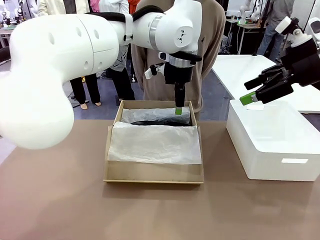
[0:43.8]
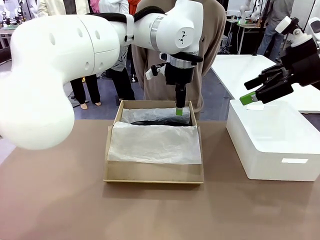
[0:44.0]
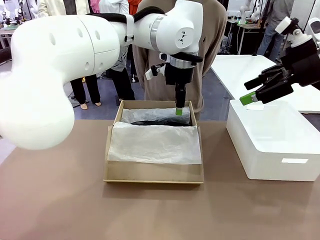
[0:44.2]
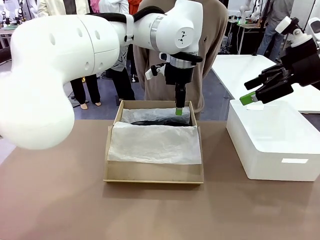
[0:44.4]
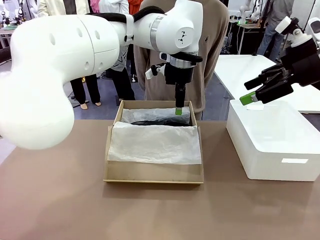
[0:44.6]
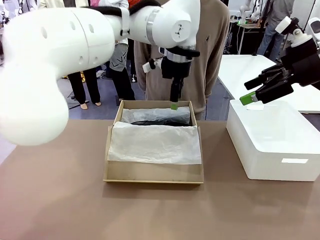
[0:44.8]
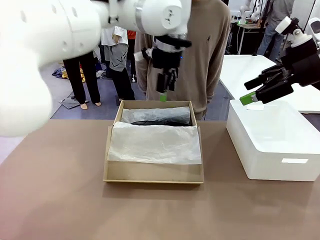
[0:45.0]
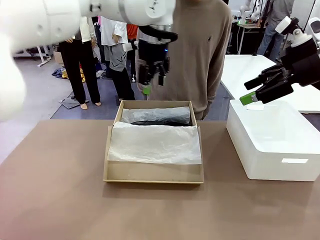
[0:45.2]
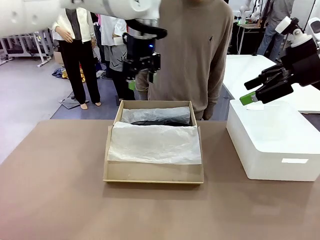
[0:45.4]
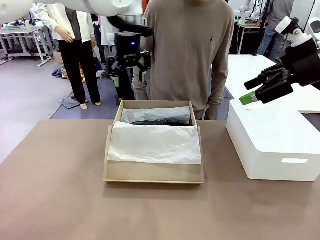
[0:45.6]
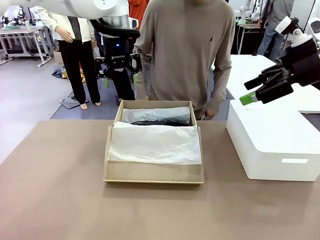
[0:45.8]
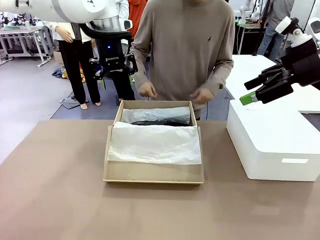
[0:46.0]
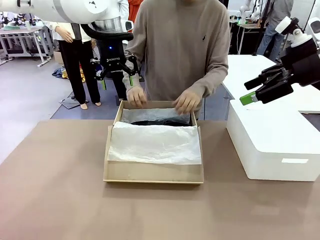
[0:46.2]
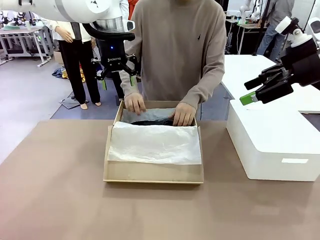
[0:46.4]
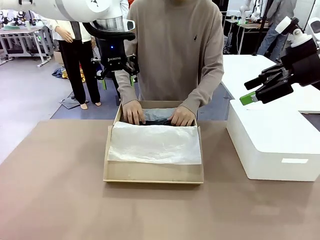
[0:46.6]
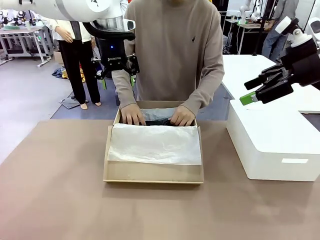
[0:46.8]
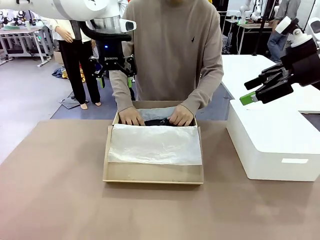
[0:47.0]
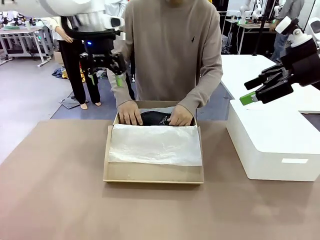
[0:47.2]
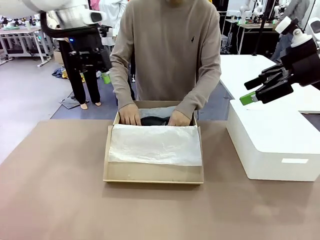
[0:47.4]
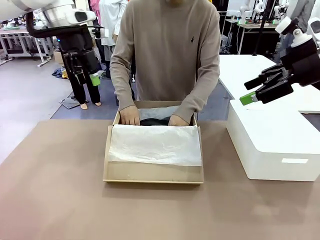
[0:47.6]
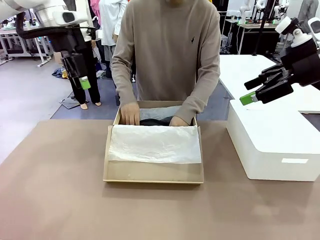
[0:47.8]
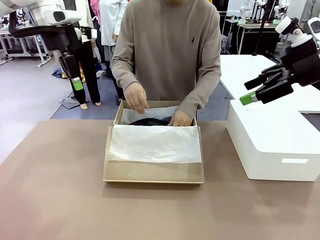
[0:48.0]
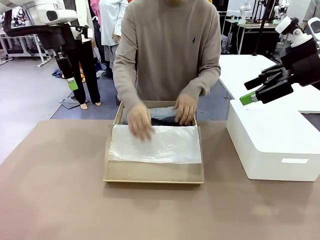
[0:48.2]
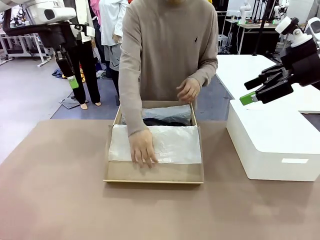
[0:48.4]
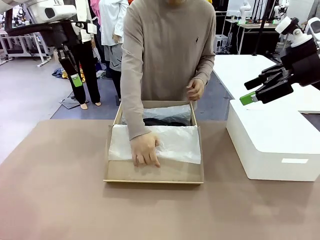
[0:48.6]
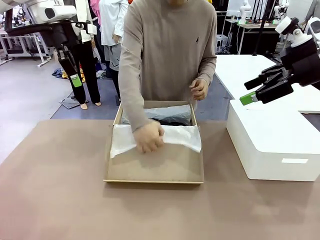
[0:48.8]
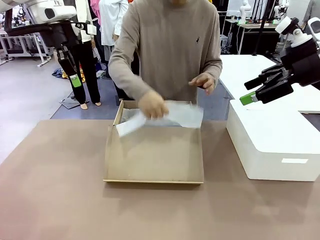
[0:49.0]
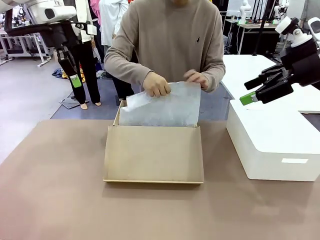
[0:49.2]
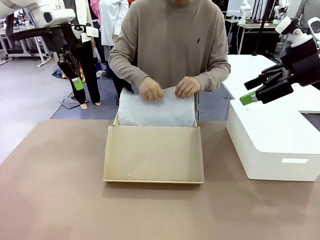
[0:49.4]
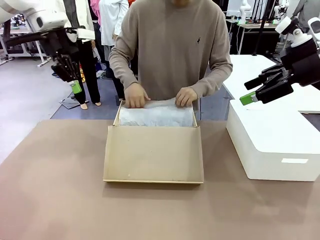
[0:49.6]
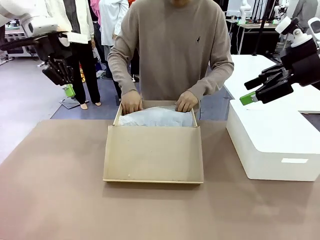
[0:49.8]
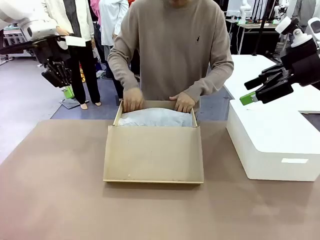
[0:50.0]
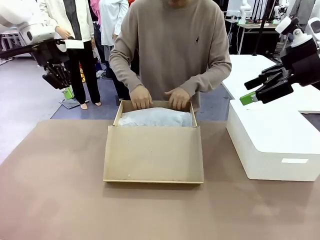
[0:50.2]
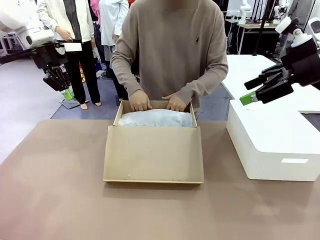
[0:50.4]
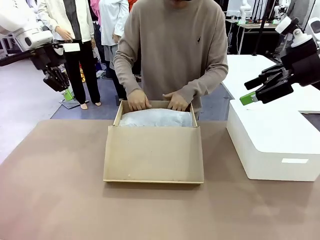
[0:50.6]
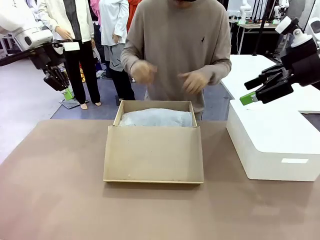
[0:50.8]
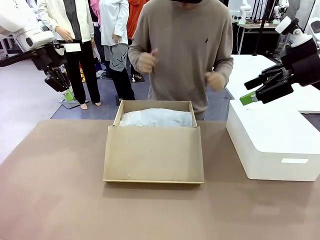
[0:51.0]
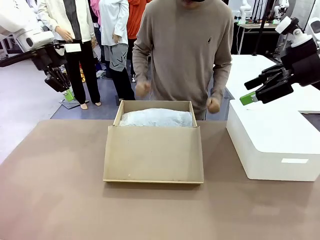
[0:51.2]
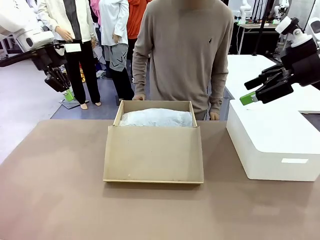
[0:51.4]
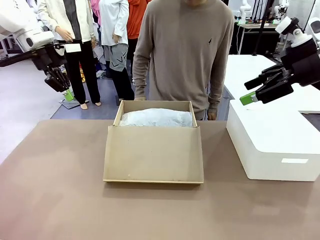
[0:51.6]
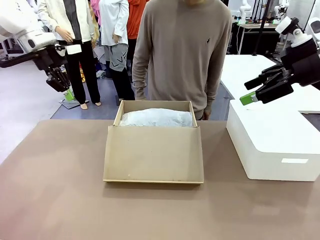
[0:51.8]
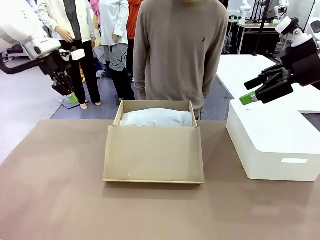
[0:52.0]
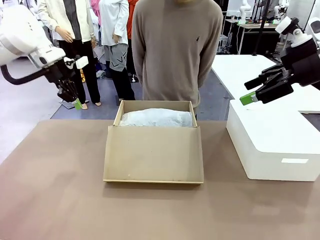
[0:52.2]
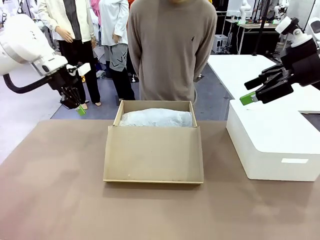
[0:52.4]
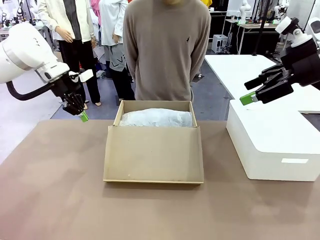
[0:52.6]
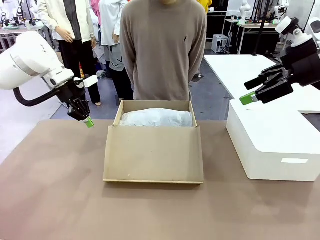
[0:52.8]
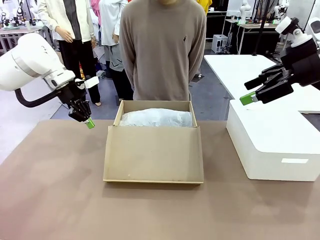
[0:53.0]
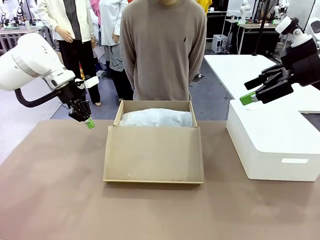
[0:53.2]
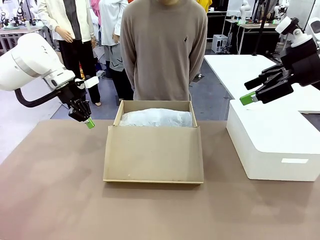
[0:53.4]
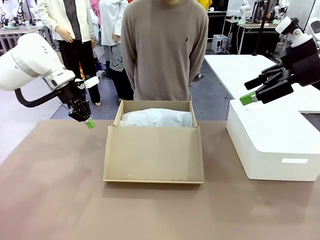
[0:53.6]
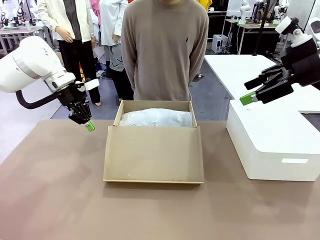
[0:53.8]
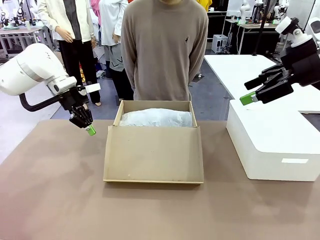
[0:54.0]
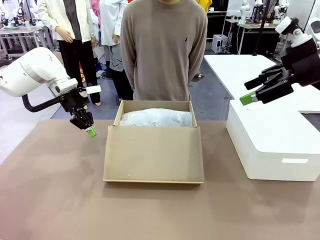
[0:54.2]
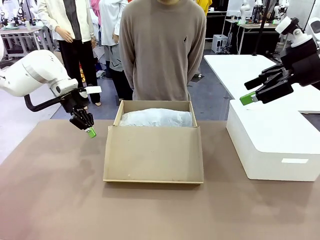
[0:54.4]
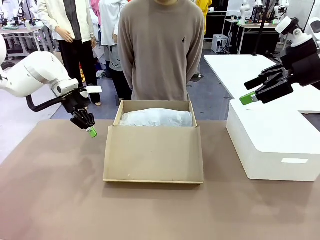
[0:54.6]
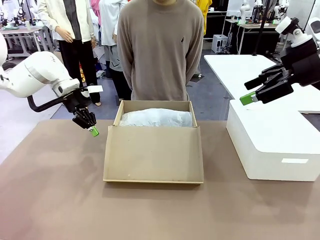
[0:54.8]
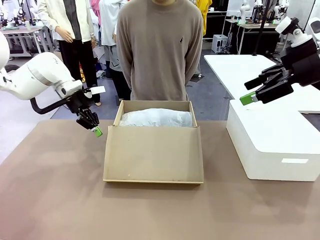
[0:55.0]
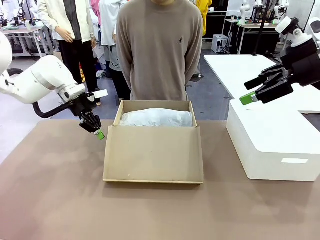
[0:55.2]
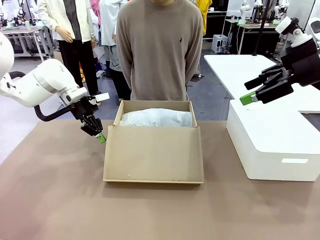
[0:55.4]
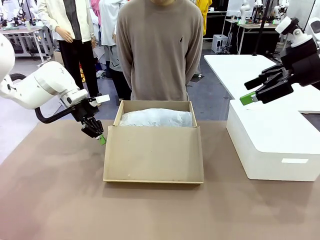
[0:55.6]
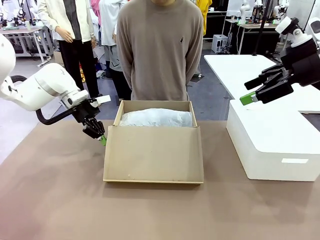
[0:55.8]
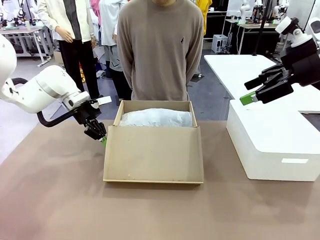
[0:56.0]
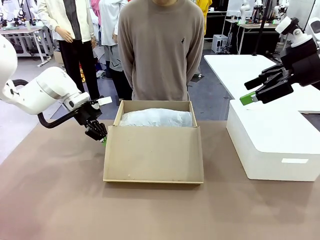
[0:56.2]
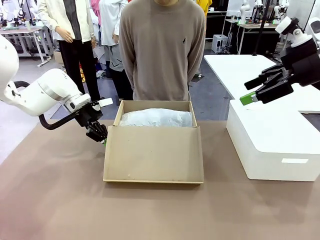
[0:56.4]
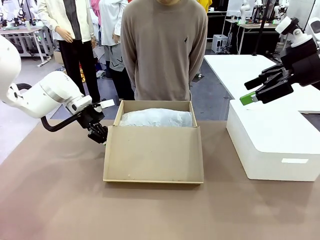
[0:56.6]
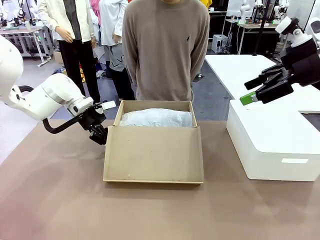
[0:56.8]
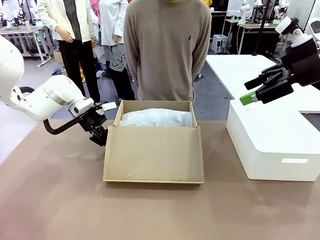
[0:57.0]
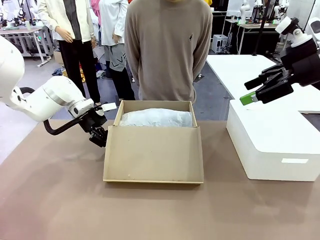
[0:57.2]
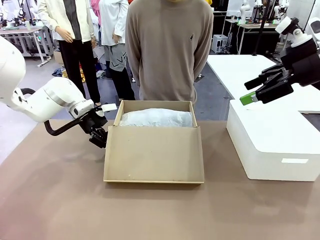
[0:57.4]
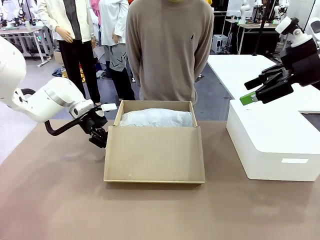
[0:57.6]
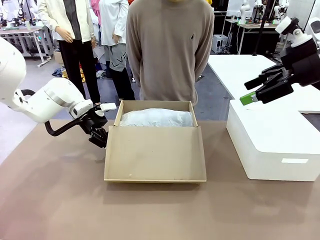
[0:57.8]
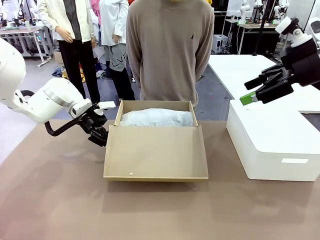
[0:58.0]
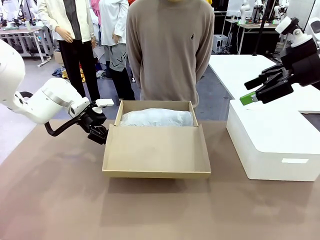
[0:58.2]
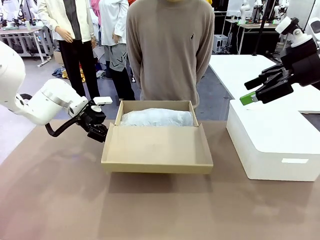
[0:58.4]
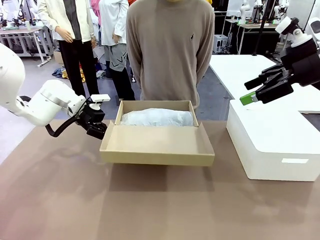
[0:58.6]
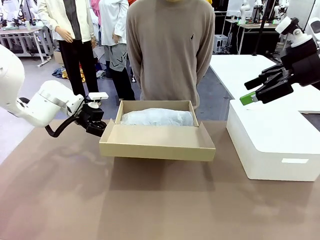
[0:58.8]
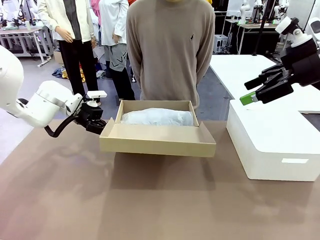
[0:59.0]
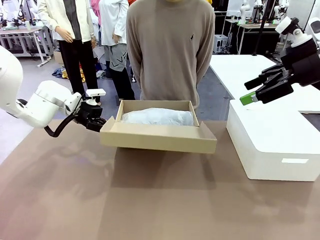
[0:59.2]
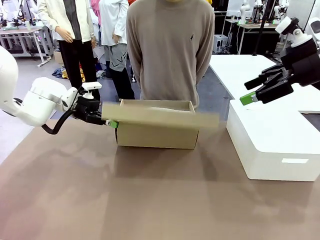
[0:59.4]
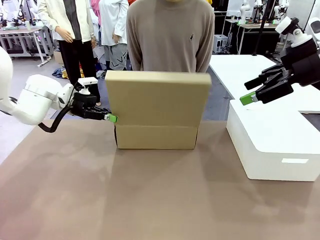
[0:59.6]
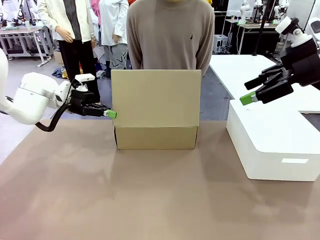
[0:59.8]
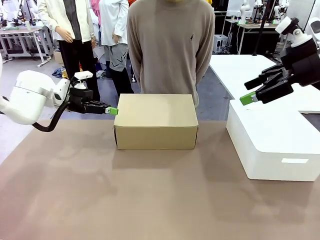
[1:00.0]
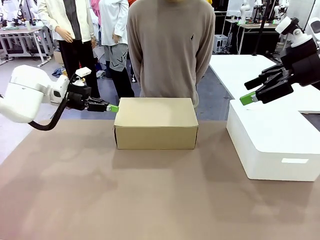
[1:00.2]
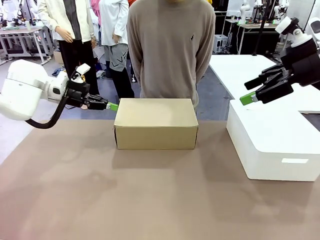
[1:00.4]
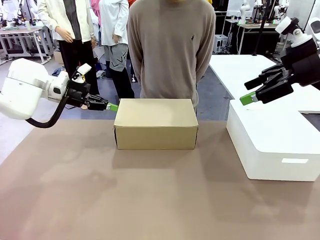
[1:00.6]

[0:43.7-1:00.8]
Task: Pack the shoes into the box.
Robot: Close the Shoes Box.

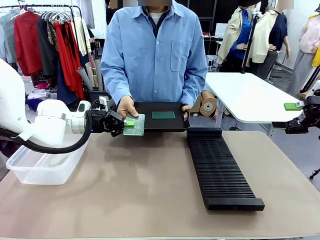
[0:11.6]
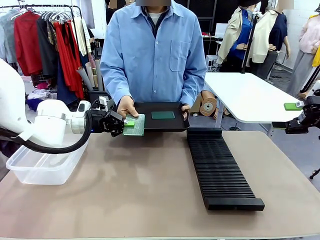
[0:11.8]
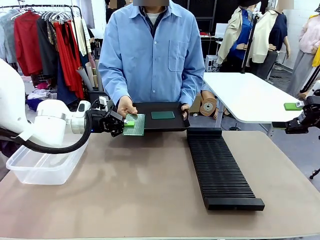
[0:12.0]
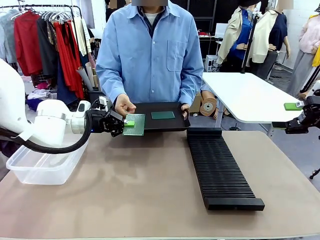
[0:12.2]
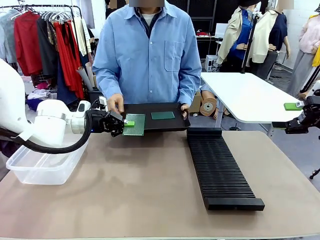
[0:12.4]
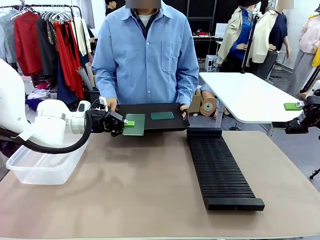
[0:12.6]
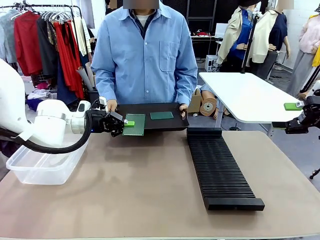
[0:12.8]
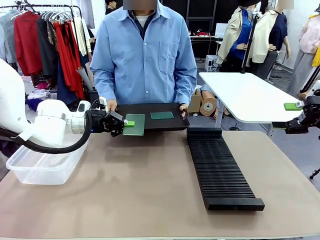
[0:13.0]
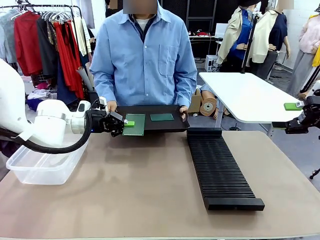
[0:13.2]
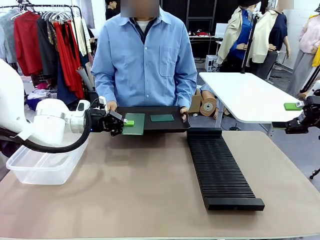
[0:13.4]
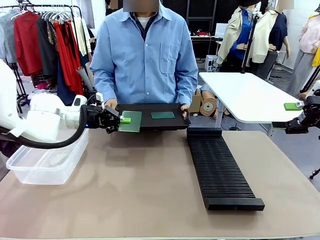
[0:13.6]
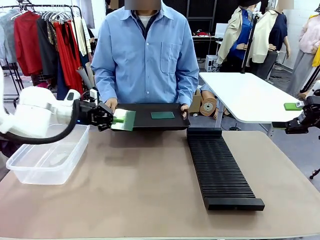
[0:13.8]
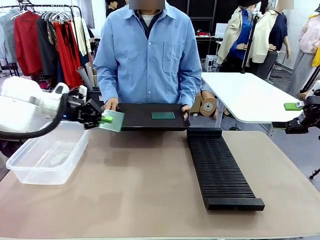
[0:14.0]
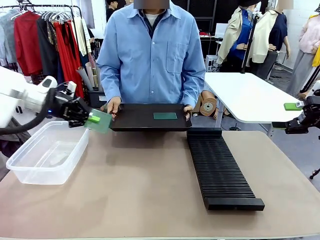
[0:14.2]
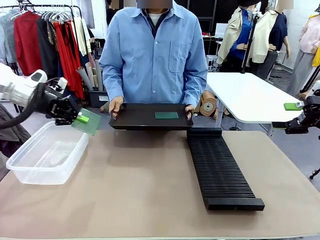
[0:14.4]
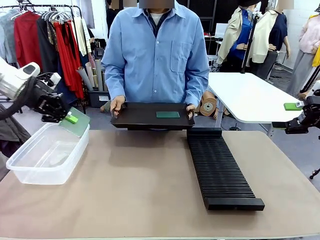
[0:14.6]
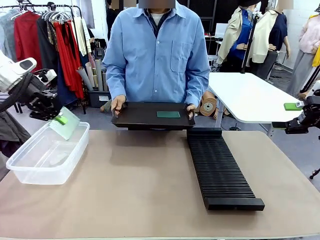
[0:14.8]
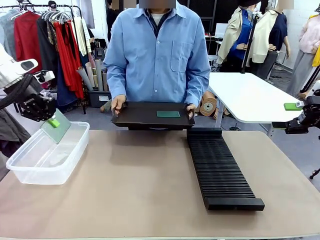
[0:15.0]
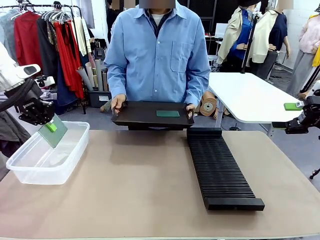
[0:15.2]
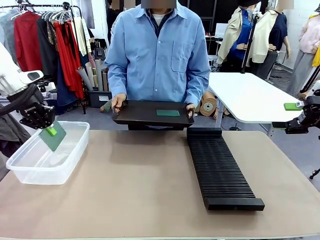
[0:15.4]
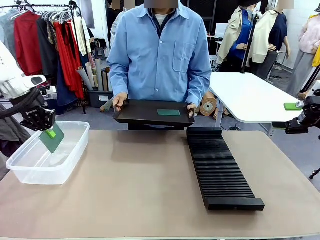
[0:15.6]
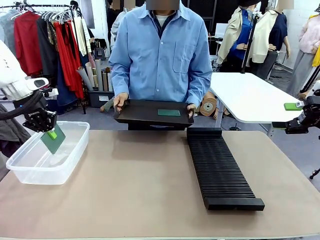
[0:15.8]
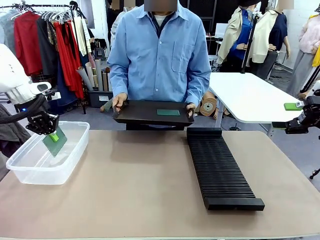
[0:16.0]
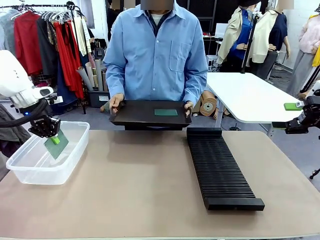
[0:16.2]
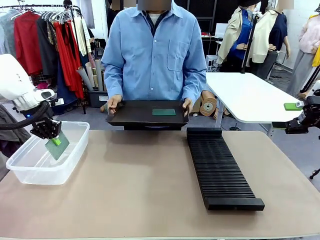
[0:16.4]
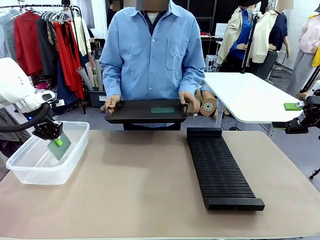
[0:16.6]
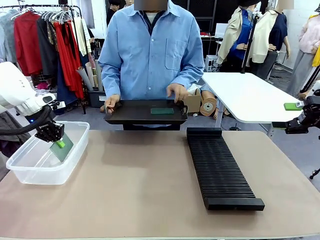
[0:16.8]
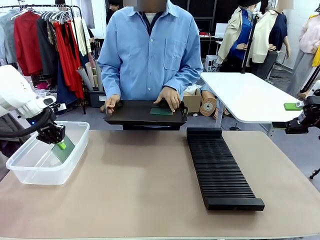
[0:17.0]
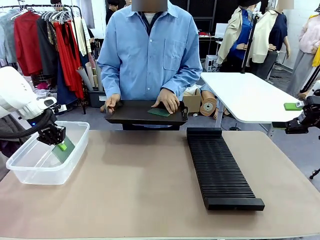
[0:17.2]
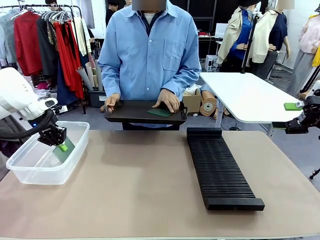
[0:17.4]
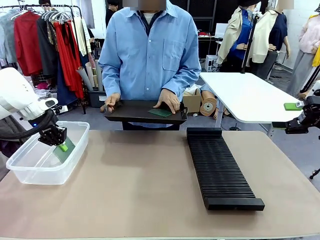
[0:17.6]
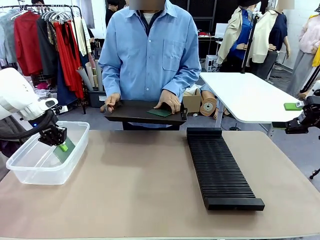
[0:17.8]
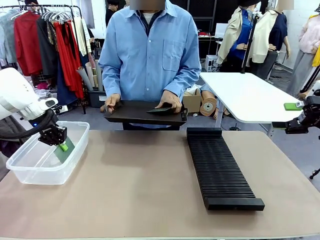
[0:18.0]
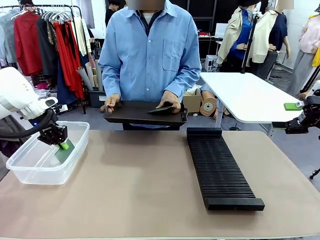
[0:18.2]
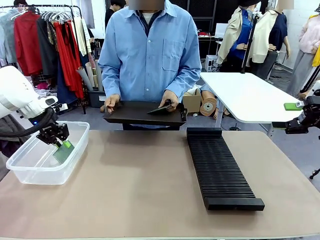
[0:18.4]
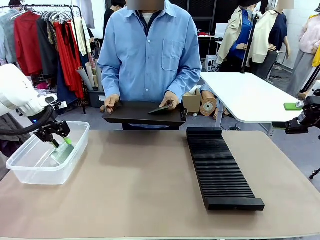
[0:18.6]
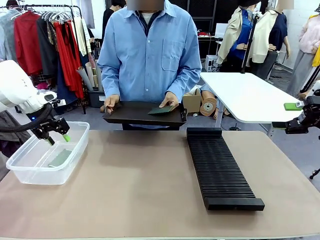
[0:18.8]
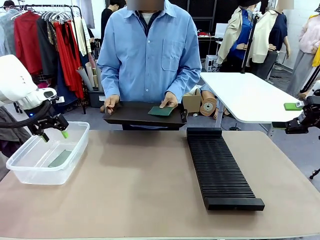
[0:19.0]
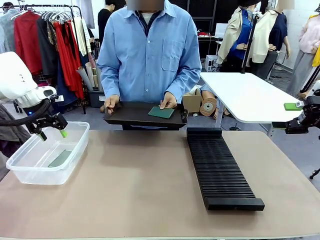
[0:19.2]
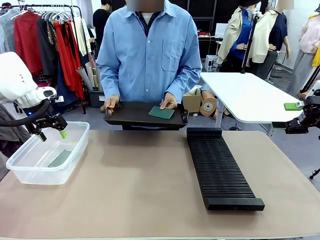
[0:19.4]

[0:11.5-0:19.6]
Task: Sort PCBs into racks and boxes based on the side picked up.
Robot: If the short side of the Blank PCB is picked up, insert it into the PCB Rack ; if the long side is picked up, place it in the Organizing box.
Person: Pick one PCB from the tray and present it to the robot.
